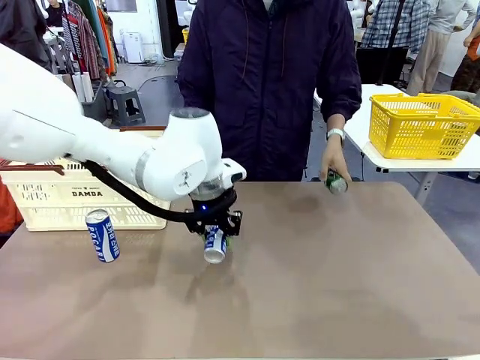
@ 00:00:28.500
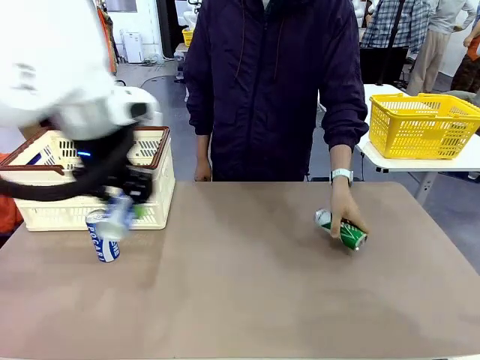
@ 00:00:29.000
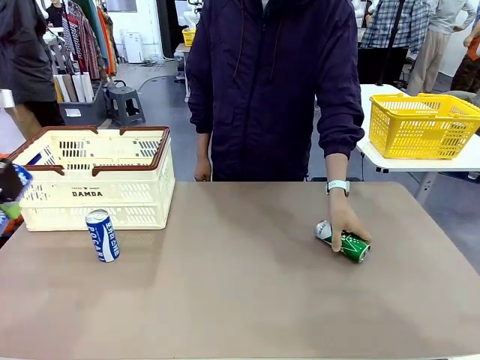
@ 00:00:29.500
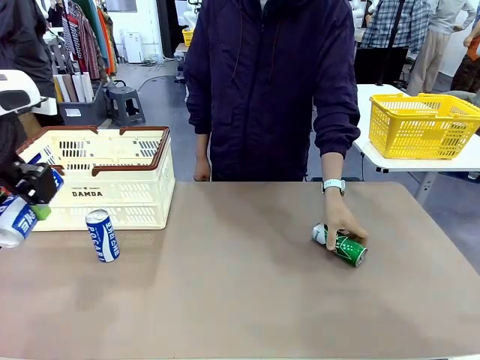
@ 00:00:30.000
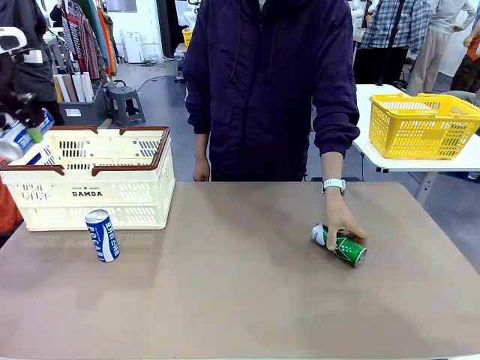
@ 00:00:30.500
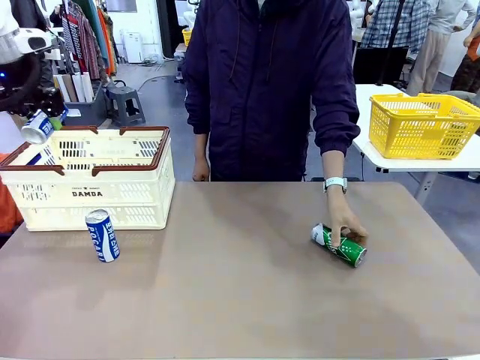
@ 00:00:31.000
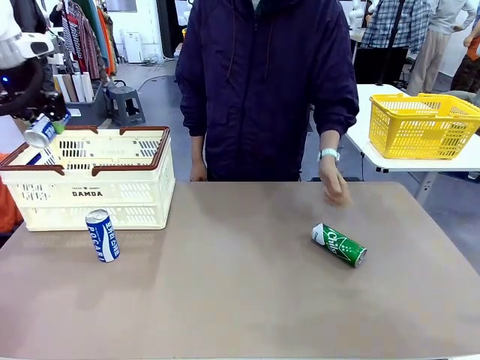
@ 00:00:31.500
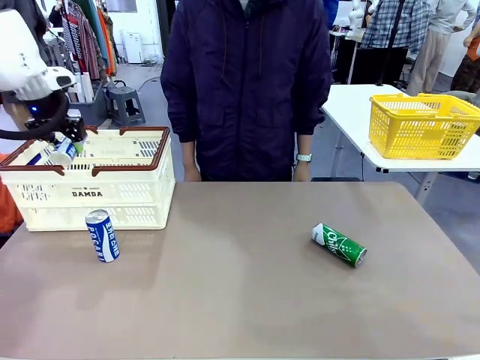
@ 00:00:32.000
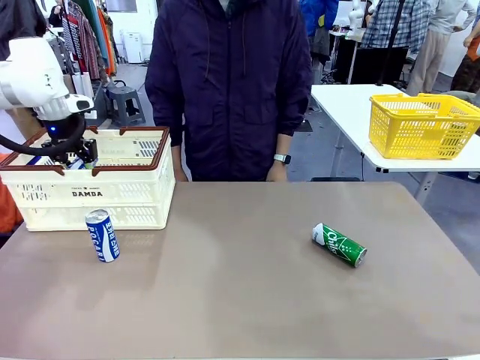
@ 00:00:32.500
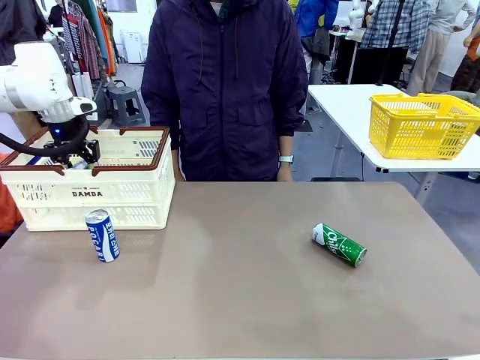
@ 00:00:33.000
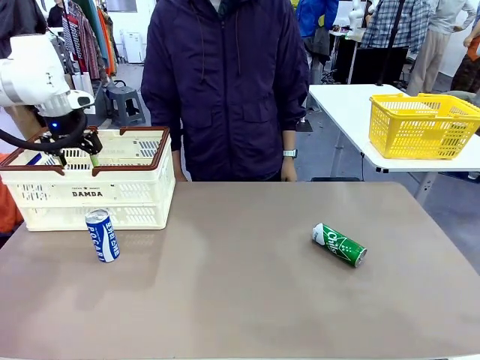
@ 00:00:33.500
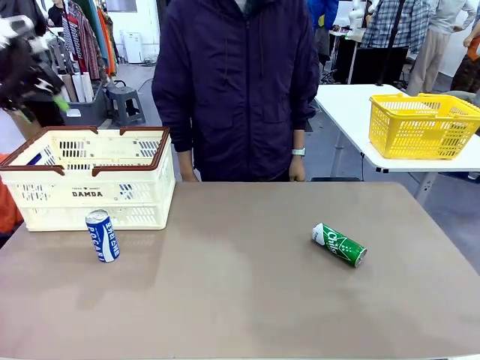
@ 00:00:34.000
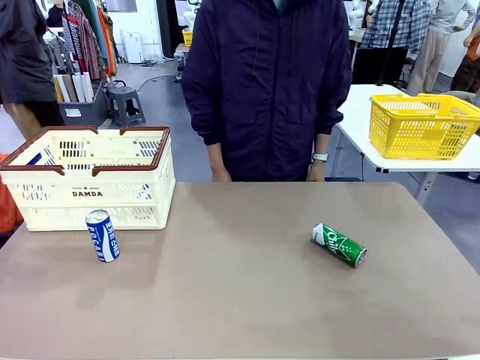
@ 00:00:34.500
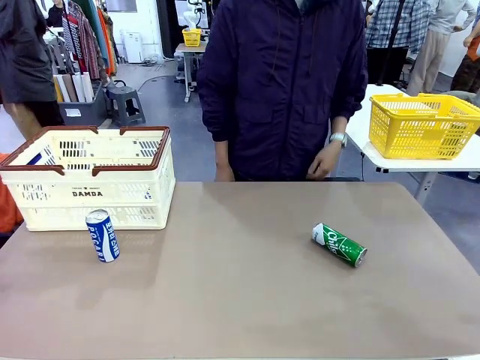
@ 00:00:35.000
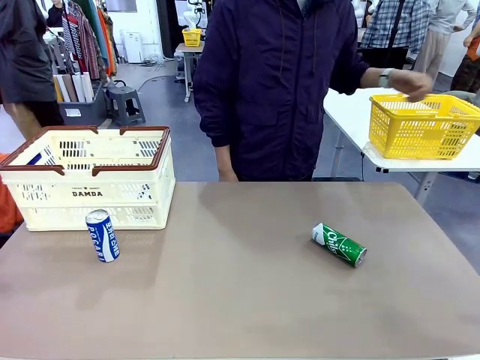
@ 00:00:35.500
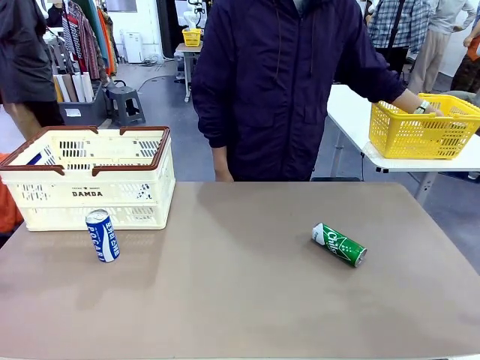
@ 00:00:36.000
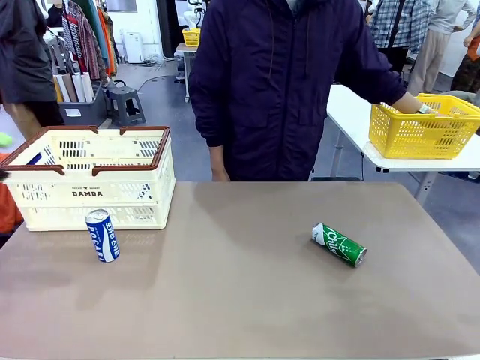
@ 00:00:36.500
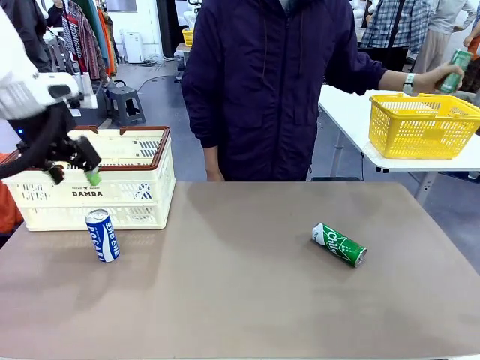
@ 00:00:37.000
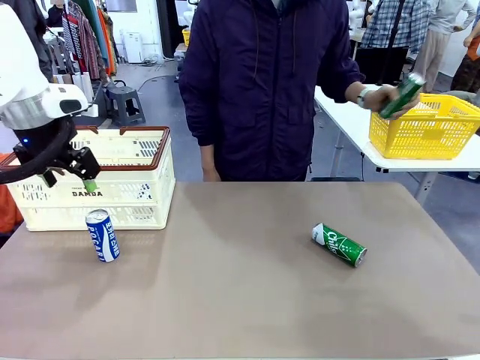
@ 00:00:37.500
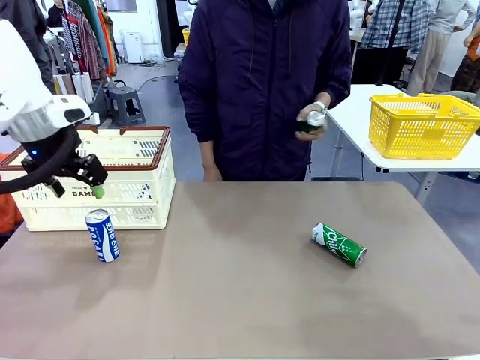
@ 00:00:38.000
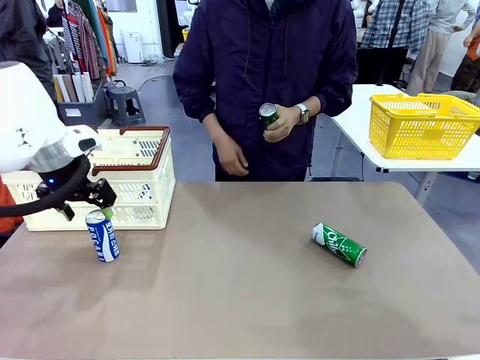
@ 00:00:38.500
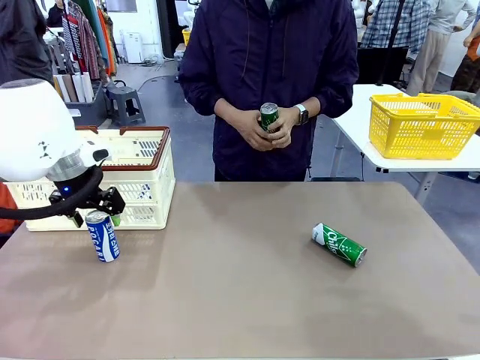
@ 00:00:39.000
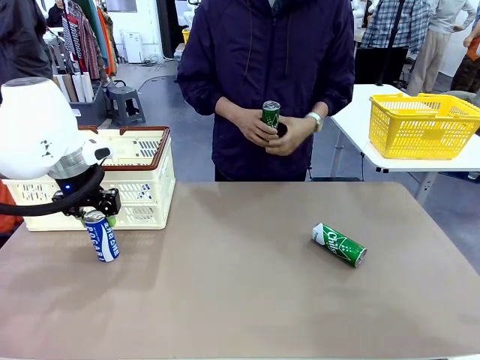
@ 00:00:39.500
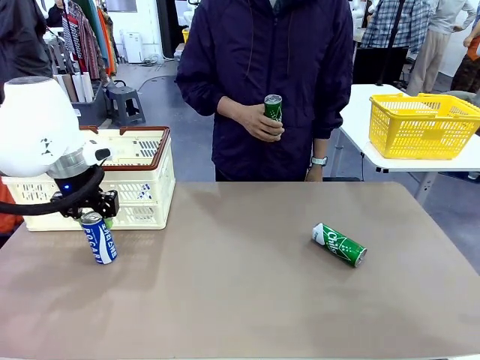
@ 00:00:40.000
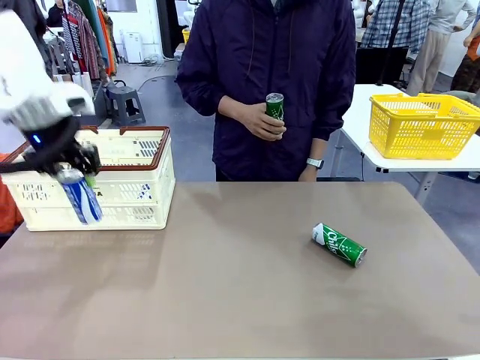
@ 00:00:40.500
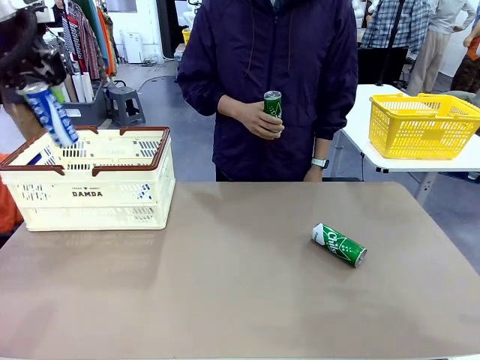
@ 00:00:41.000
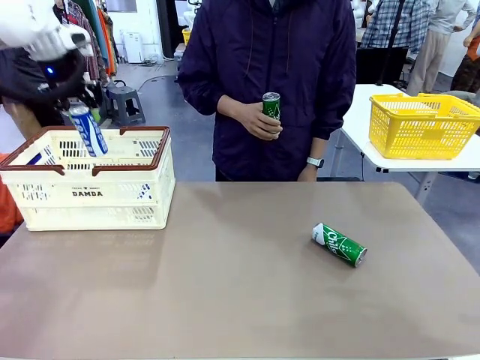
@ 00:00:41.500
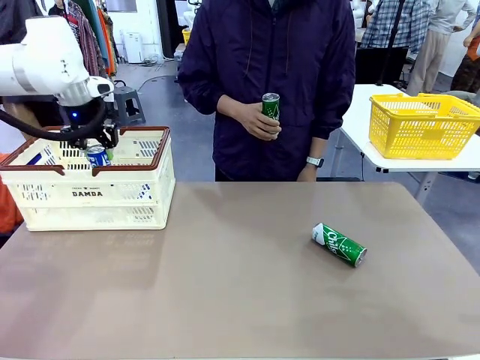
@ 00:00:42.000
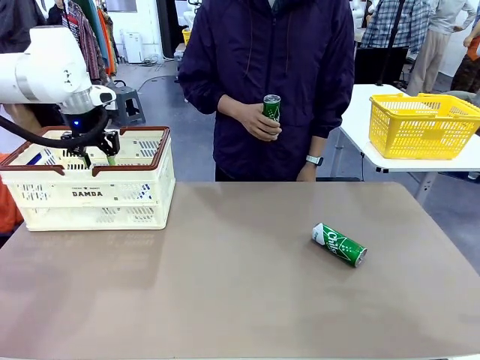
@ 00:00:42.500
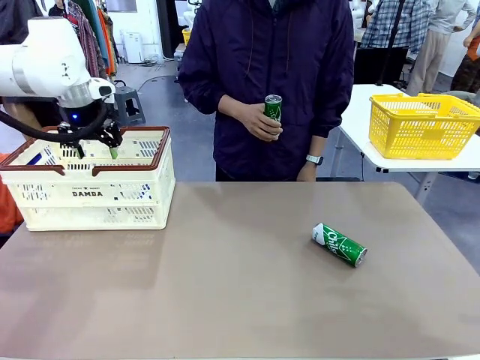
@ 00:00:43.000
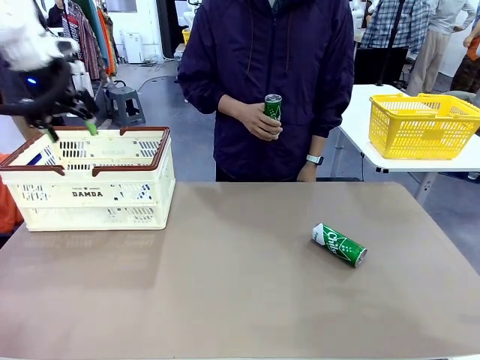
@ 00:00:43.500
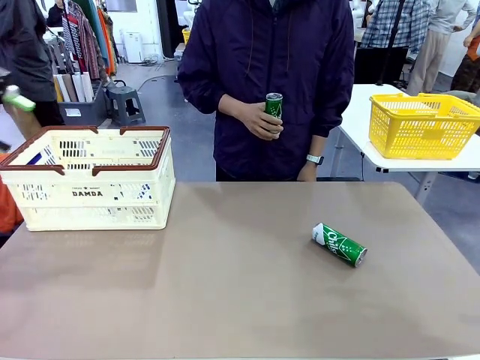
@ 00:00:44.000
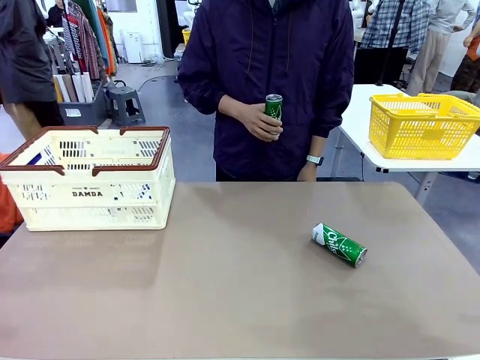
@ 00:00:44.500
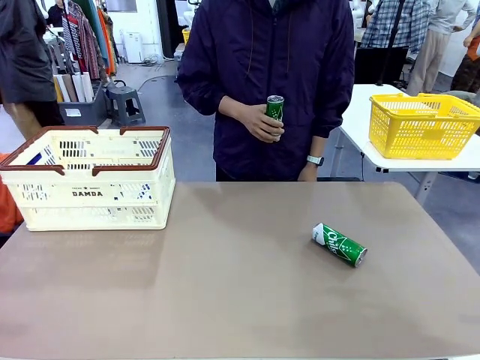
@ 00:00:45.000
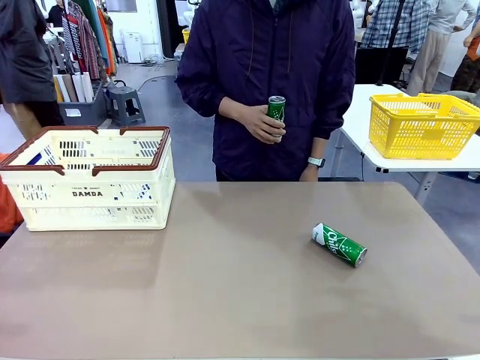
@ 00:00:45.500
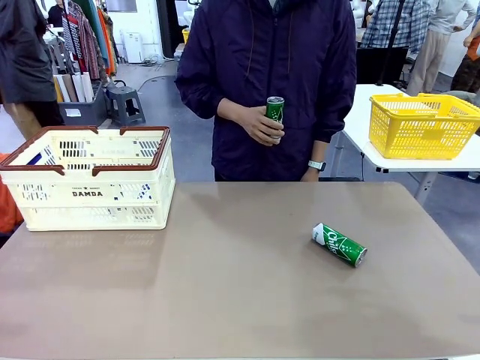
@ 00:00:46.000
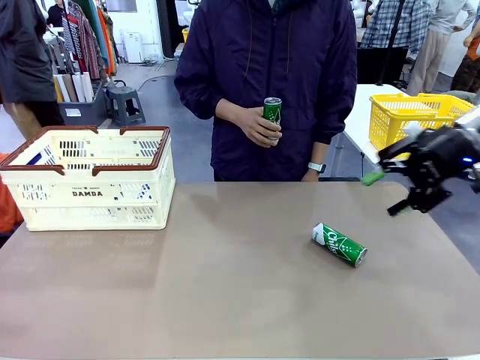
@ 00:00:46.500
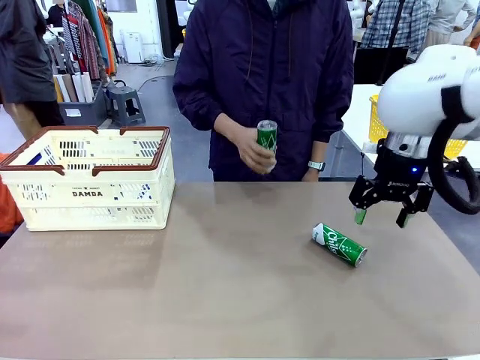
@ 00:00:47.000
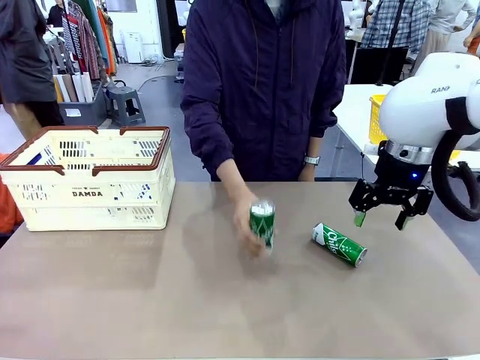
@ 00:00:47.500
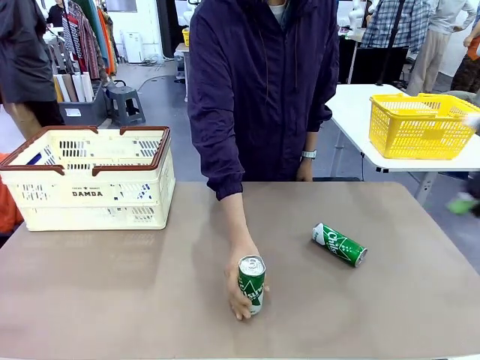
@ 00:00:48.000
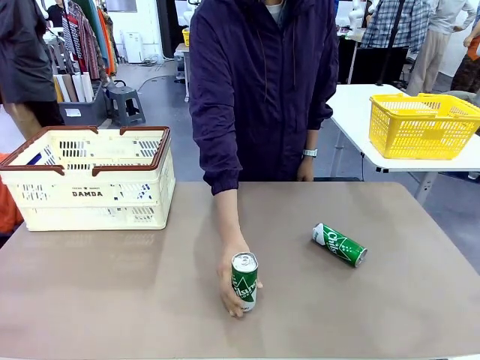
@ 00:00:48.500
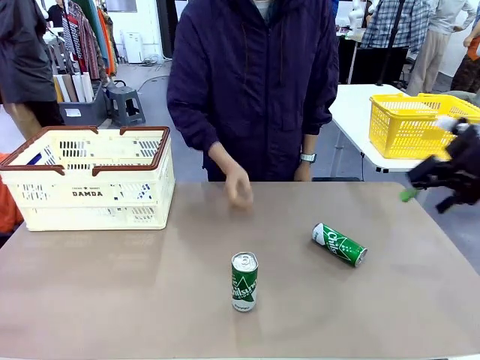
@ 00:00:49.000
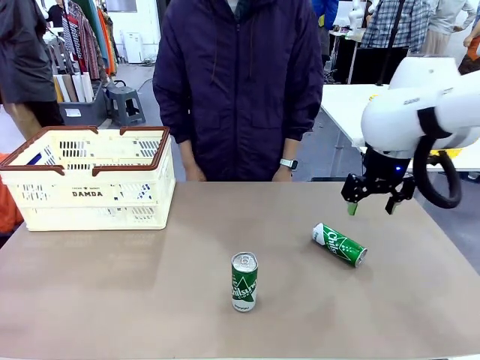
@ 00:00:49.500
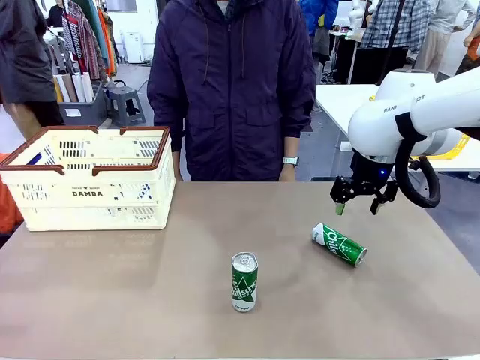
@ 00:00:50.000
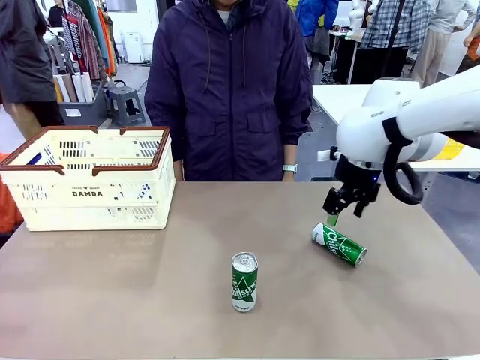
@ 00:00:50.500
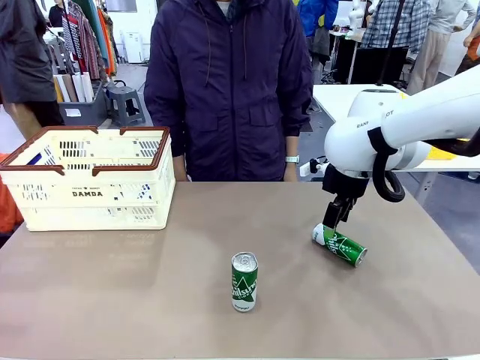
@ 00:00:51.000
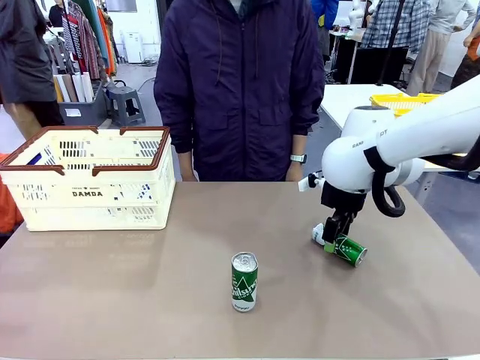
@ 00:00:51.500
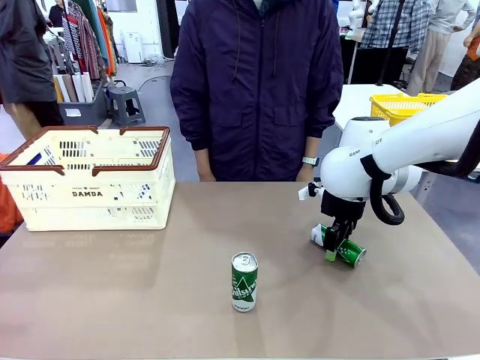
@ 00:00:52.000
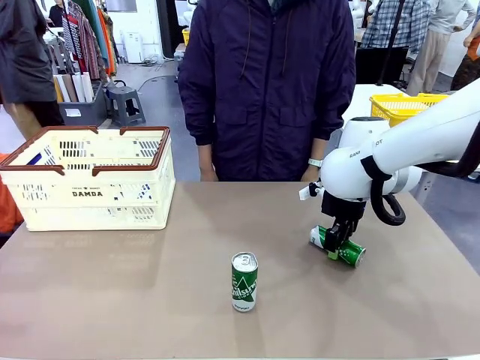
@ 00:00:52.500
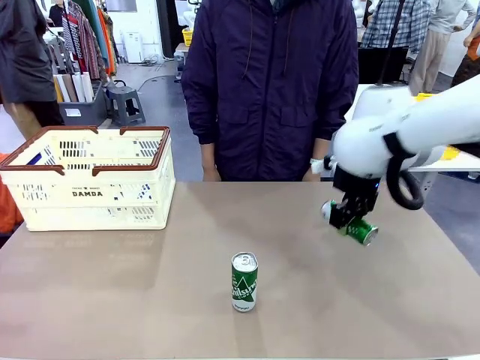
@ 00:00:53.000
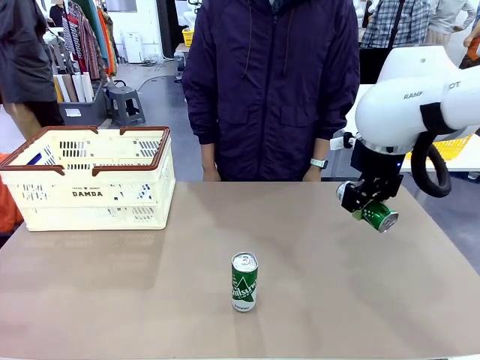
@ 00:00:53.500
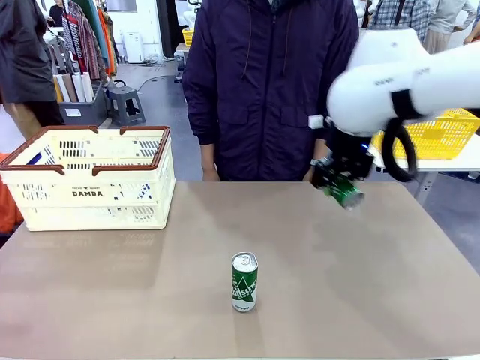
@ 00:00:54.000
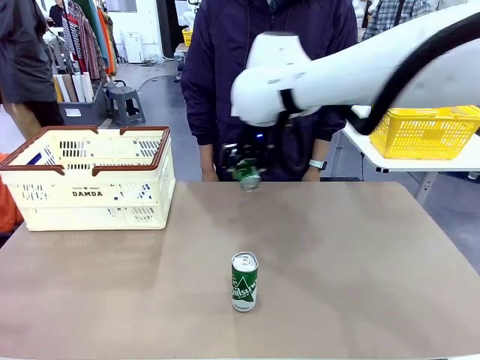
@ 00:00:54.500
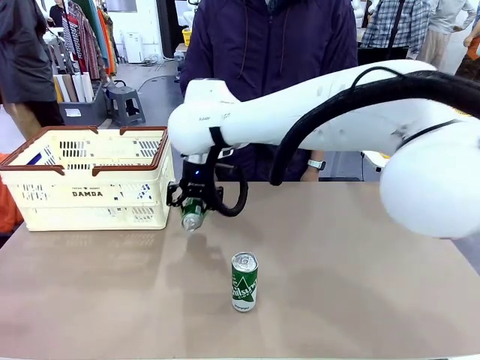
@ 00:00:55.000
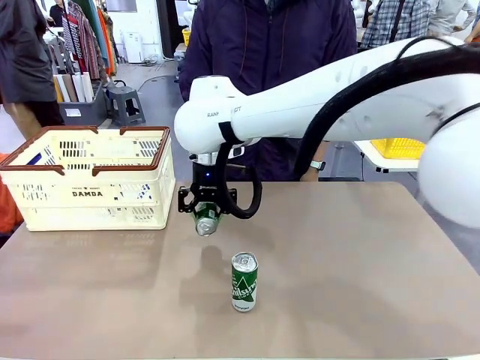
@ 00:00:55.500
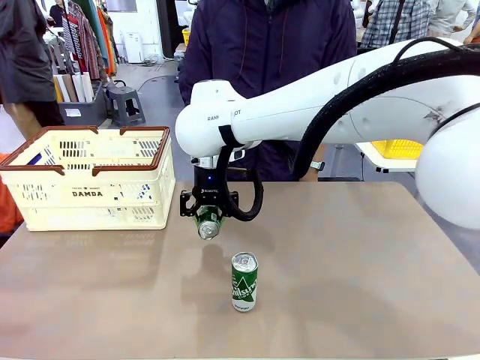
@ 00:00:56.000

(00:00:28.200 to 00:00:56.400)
Task: Place the drinks into the Shopping basket.
Robot: Pick up one drink and place it into the Shopping basket.
